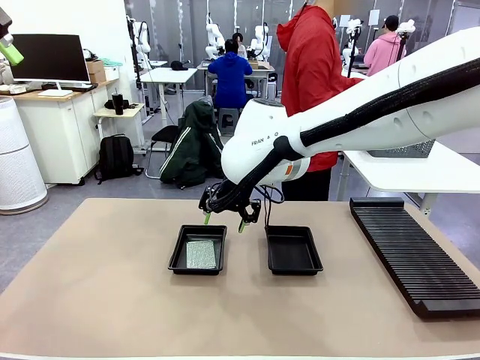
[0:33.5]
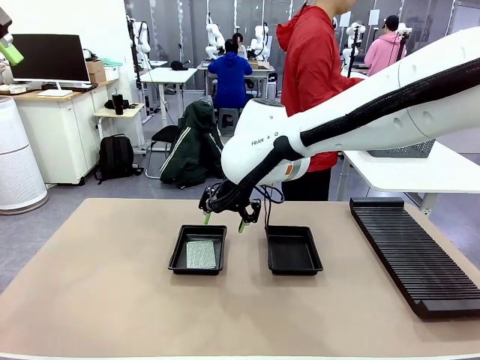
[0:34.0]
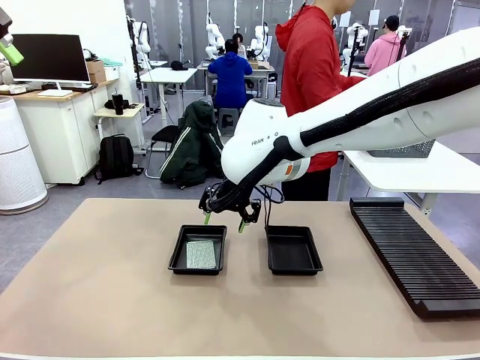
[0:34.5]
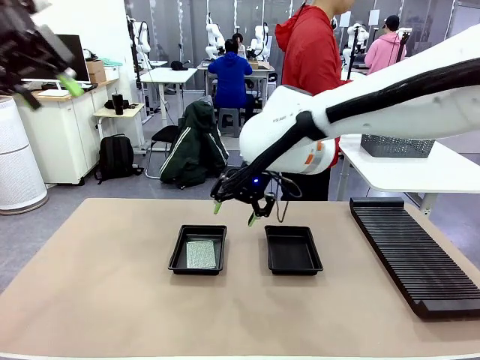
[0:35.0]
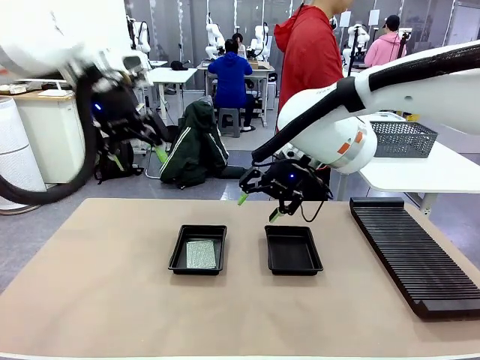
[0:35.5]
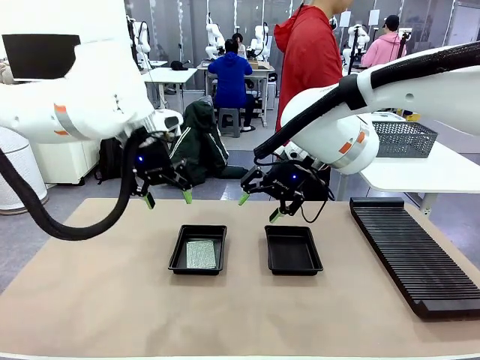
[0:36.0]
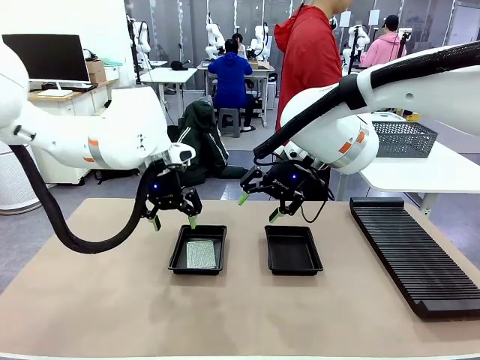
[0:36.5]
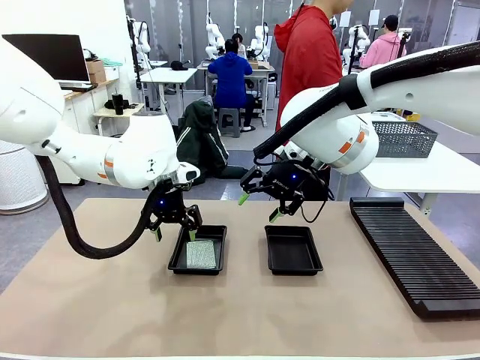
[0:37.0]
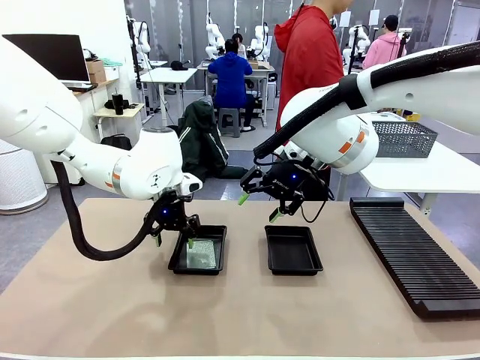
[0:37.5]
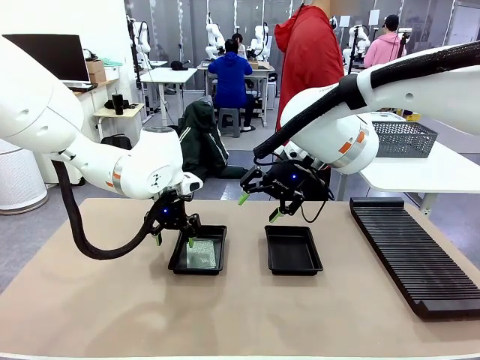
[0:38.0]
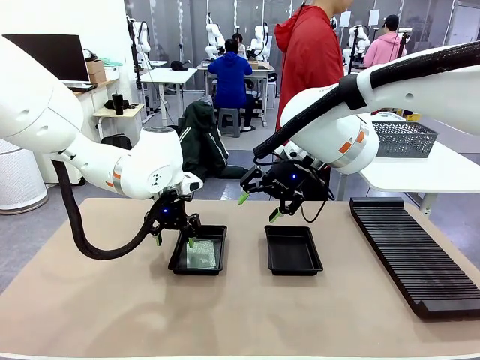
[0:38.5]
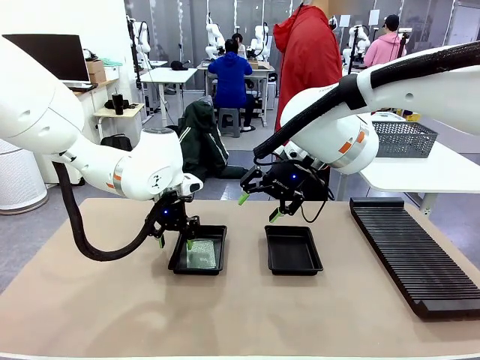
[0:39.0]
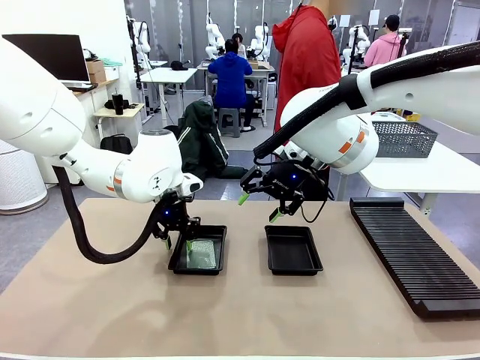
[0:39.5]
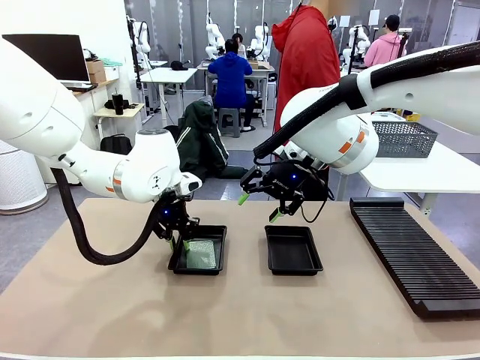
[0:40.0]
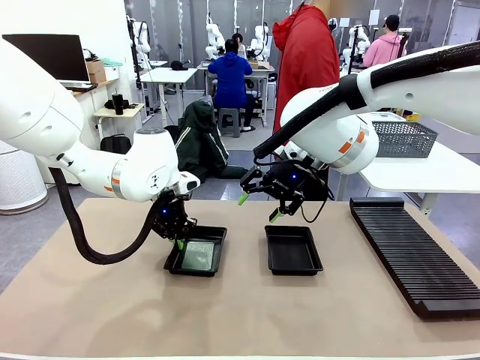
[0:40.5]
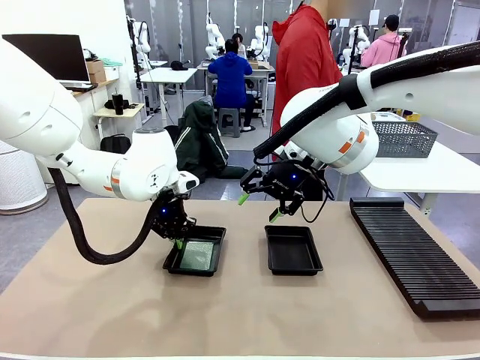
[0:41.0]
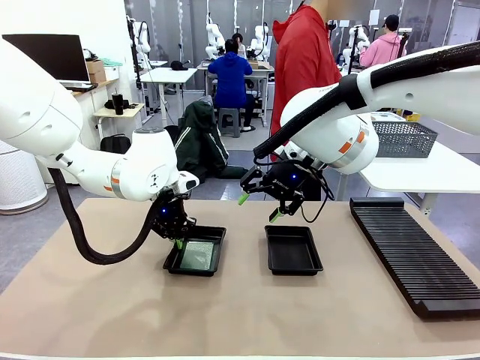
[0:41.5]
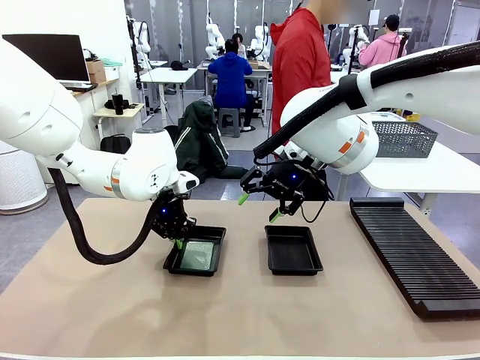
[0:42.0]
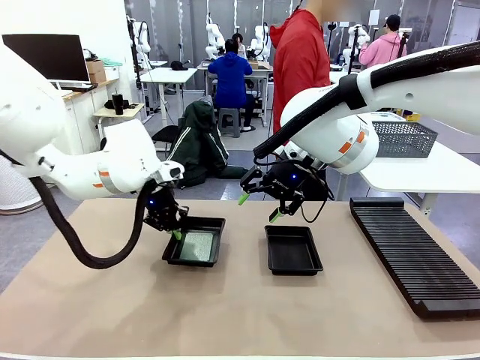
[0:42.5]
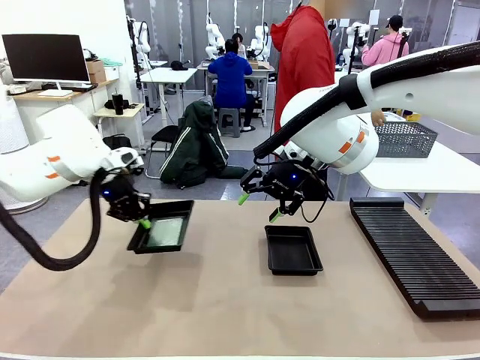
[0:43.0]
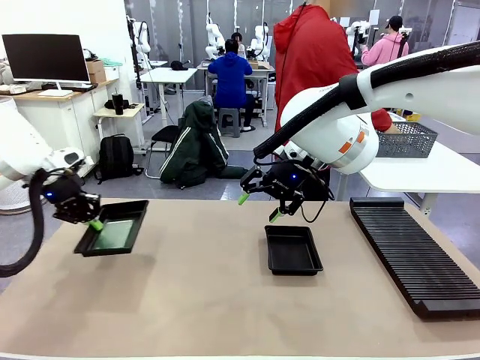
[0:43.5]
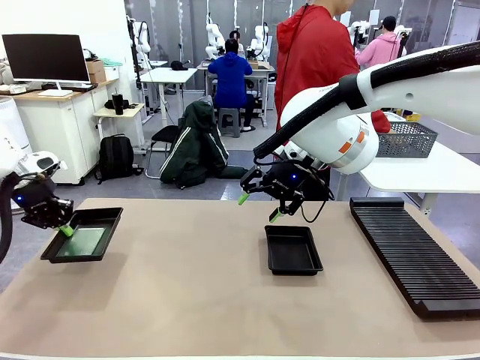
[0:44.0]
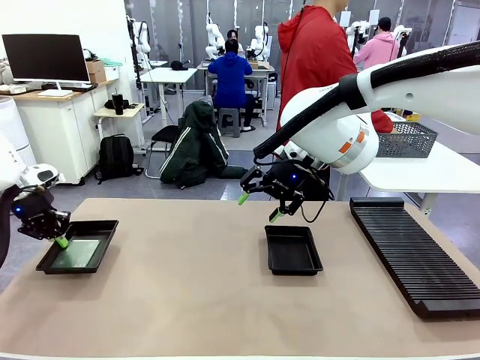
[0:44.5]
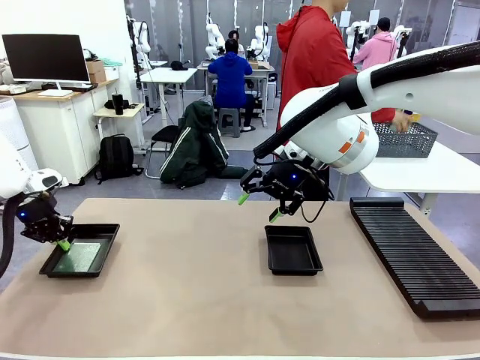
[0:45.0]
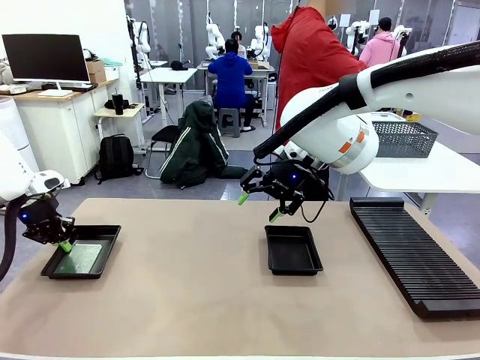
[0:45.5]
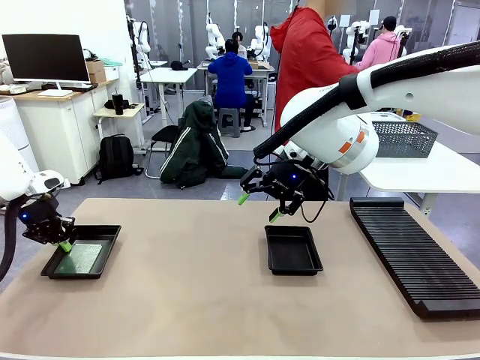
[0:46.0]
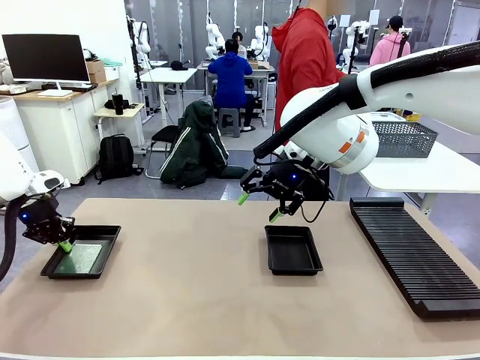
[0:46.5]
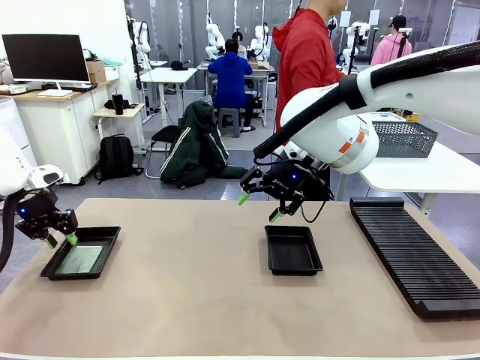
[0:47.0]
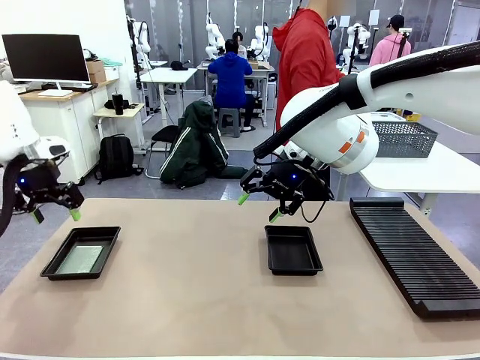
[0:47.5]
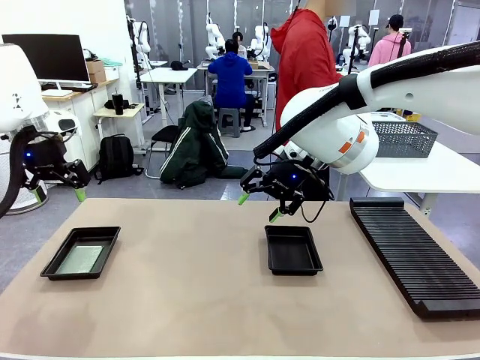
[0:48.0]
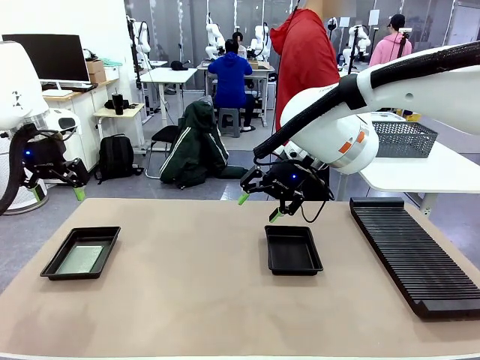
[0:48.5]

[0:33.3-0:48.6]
Task: Inspect and transfer BCBs to ESD trays.
Robot: Pick up the ESD tray and place it on the left side of the table.

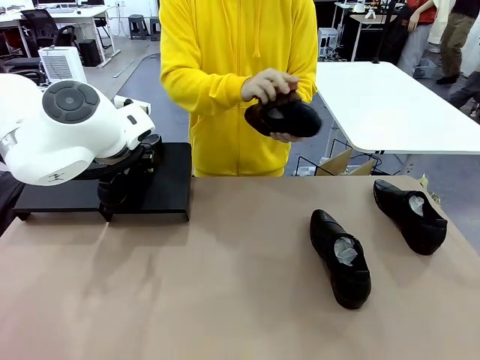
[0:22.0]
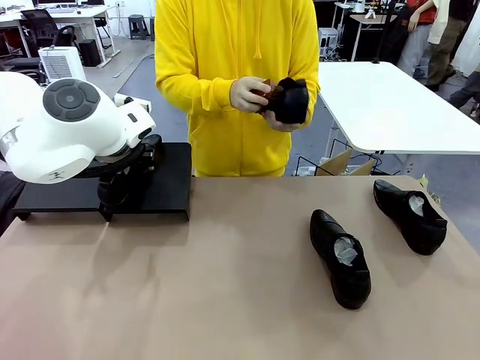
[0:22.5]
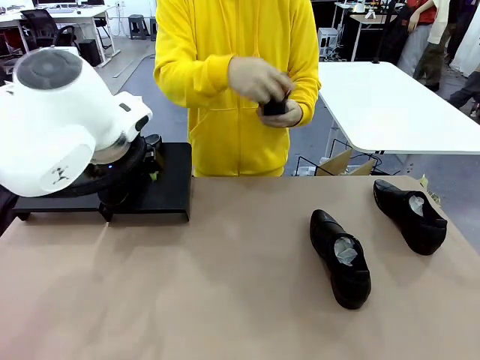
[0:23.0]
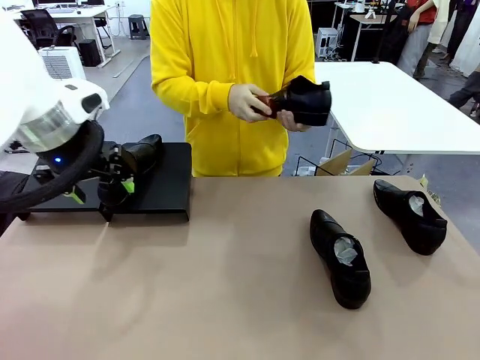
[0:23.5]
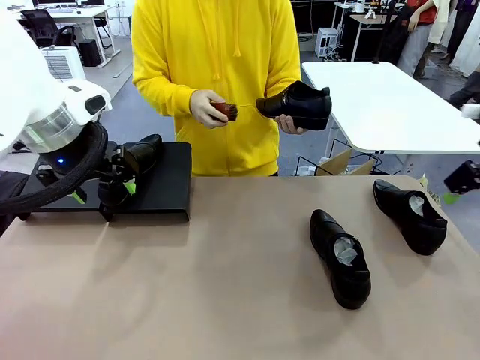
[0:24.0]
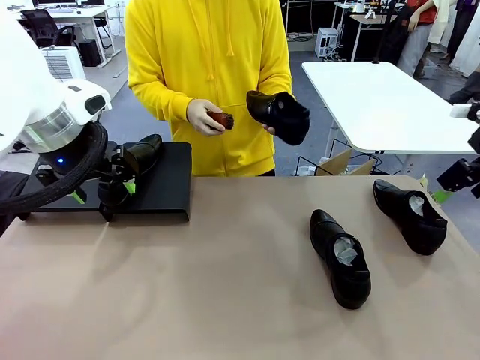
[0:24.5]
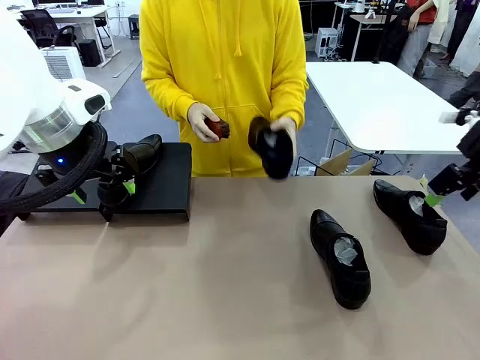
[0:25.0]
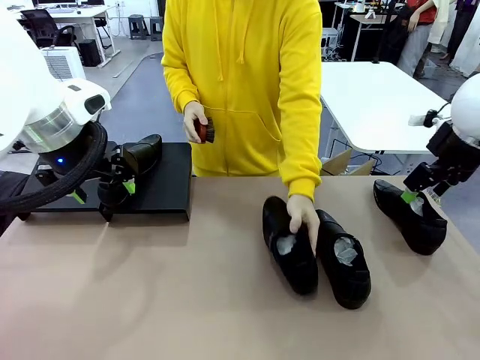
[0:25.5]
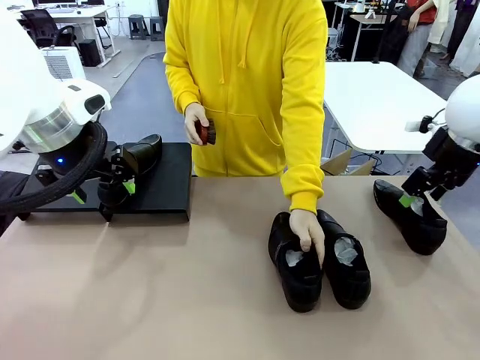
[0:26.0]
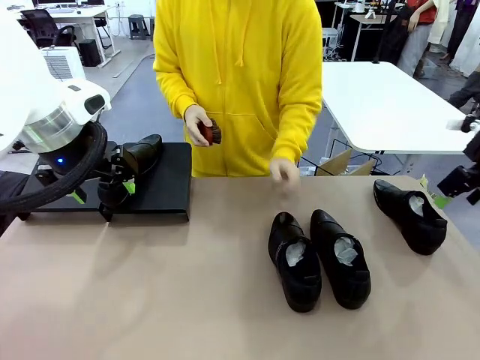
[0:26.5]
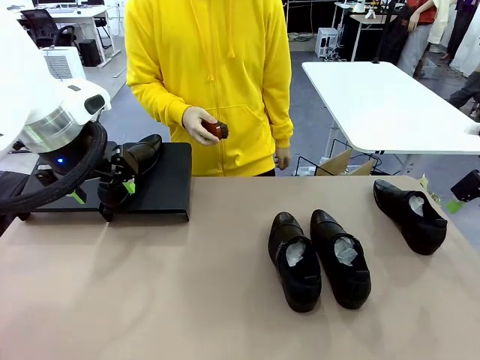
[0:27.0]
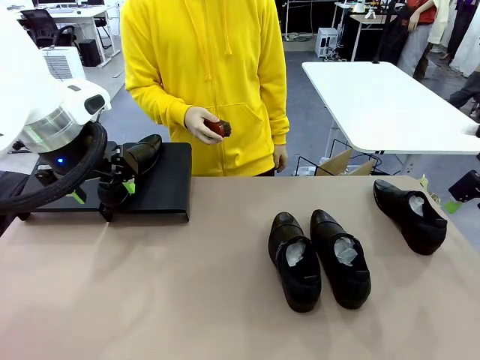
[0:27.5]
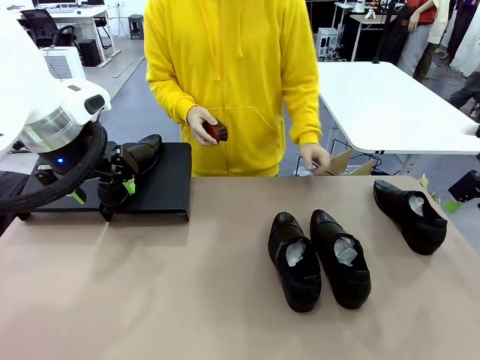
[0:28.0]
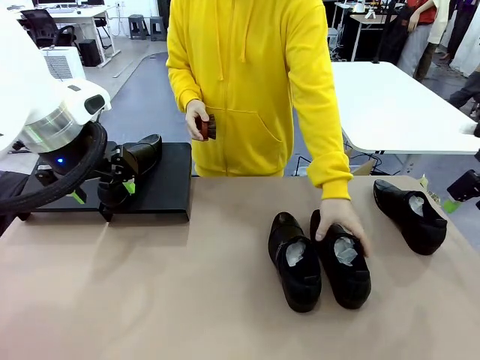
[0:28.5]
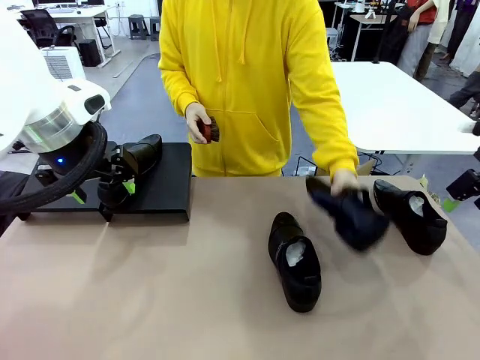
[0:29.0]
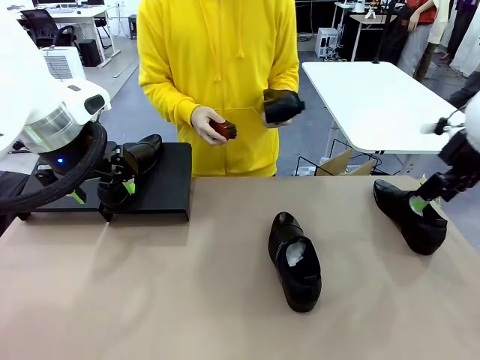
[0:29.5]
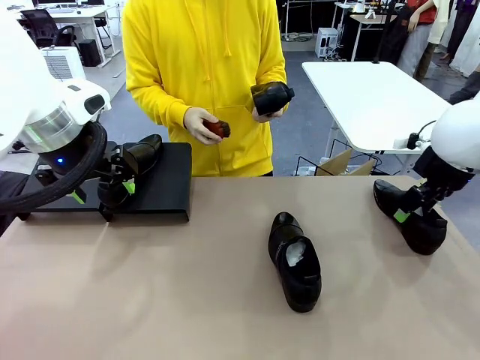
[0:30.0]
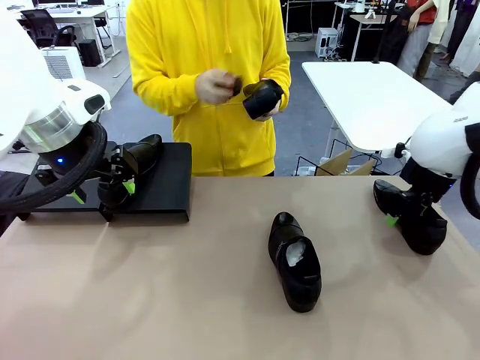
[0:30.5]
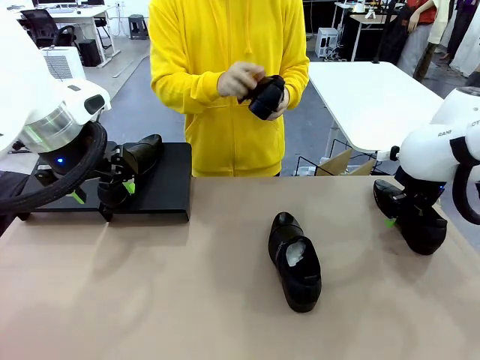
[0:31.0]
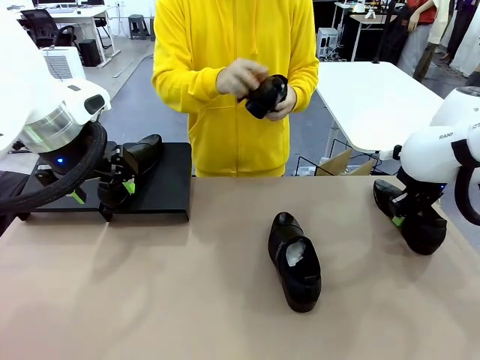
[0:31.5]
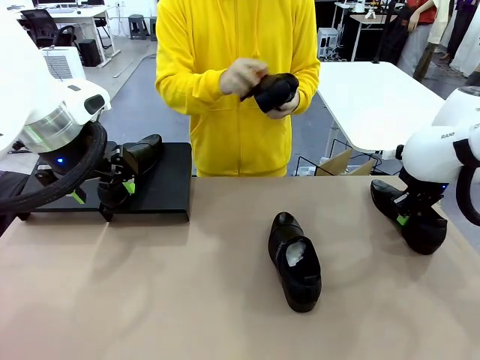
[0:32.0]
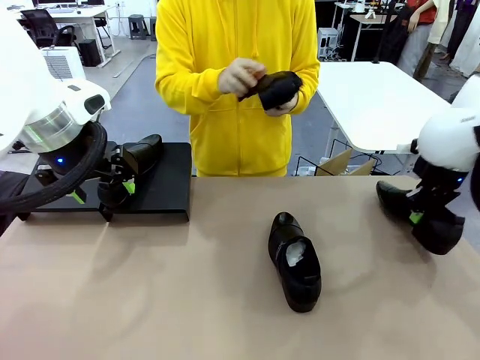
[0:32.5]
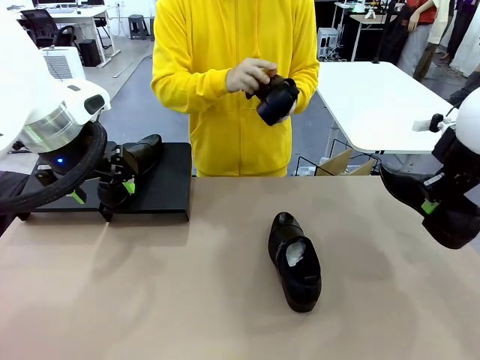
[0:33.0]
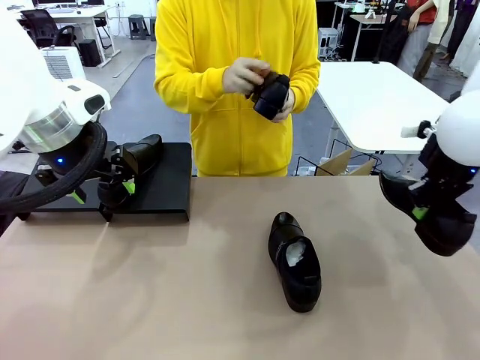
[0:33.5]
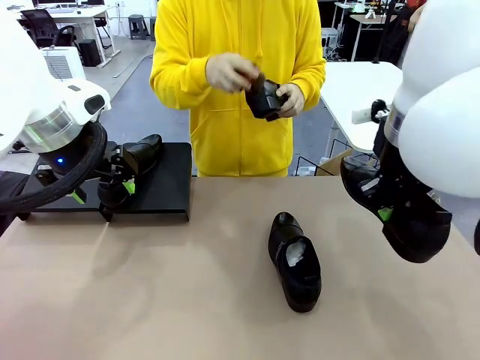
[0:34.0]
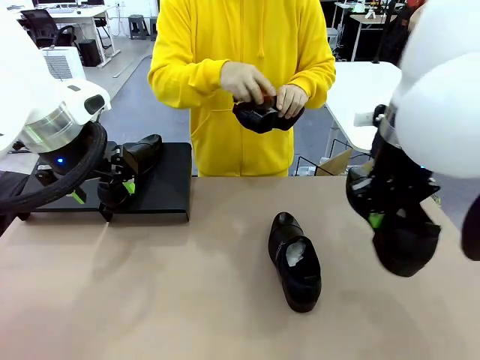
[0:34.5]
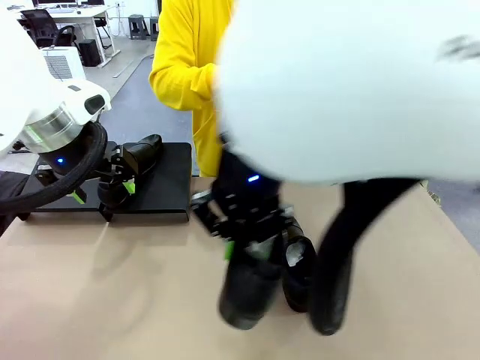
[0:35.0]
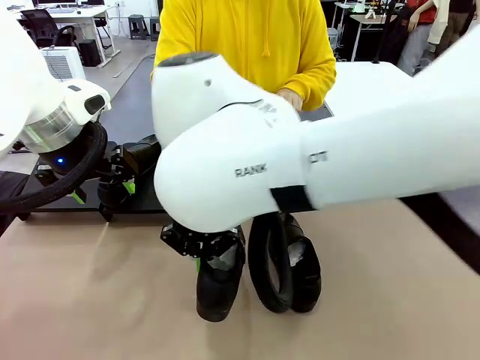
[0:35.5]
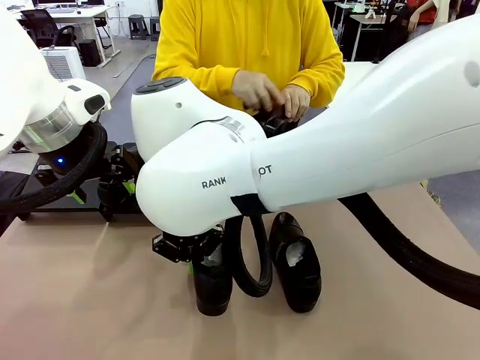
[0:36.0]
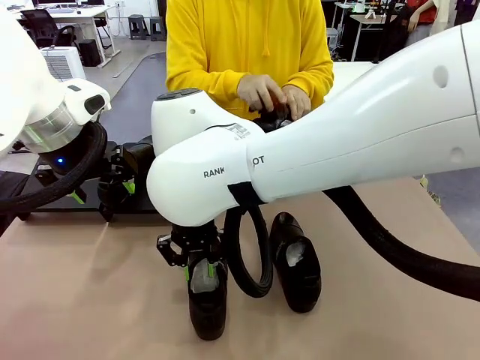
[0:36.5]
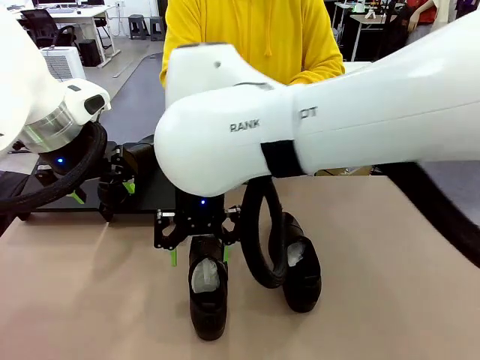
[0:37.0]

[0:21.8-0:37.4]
Task: Organize the shoes by placing them on the stand.
Robot: Pick up one Shoe and place it in the middle of the table.
Person: Place the Shoe on left side of the Robot's table. Pick one Shoe on Robot's table.
